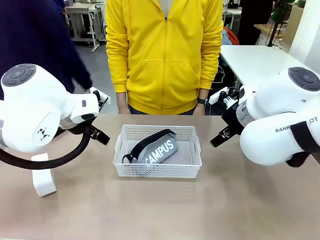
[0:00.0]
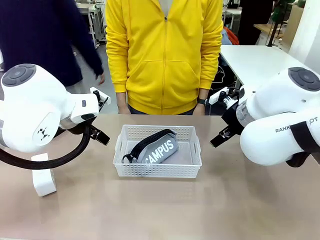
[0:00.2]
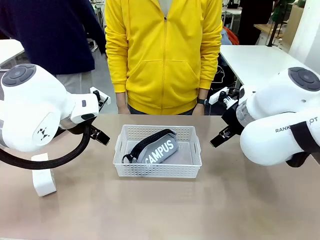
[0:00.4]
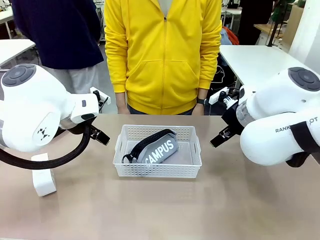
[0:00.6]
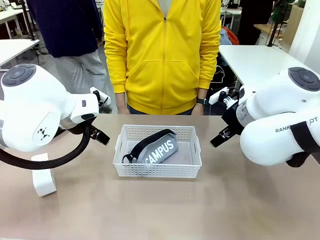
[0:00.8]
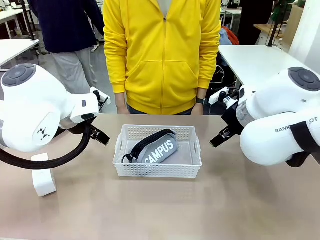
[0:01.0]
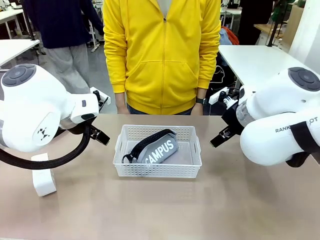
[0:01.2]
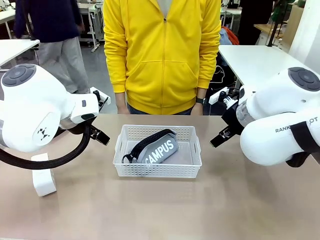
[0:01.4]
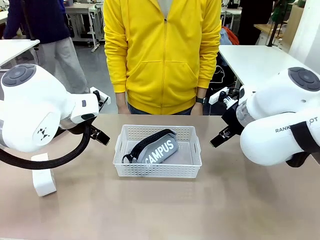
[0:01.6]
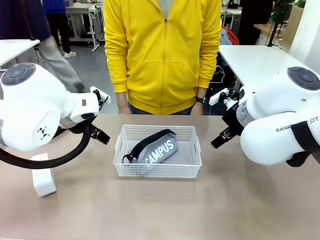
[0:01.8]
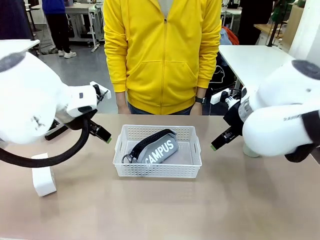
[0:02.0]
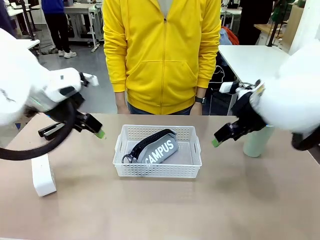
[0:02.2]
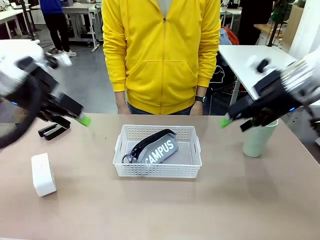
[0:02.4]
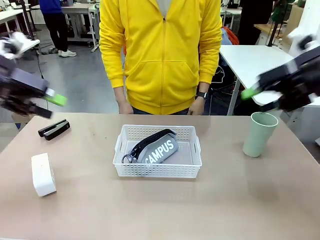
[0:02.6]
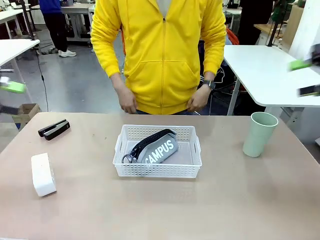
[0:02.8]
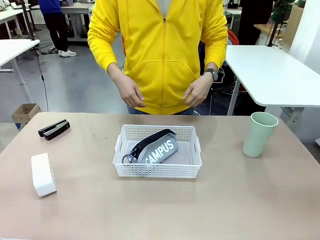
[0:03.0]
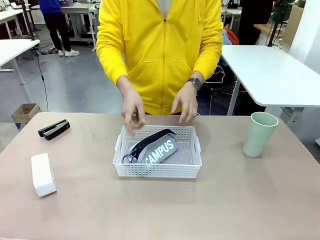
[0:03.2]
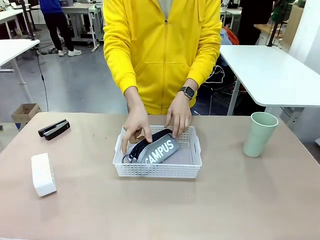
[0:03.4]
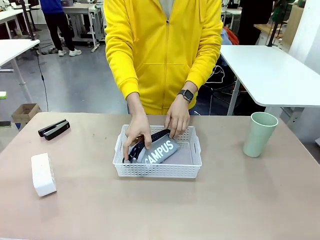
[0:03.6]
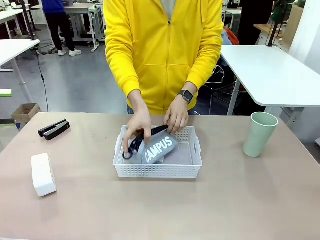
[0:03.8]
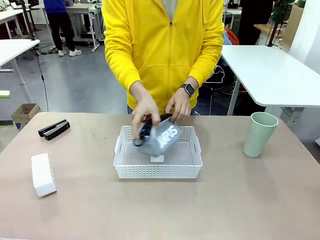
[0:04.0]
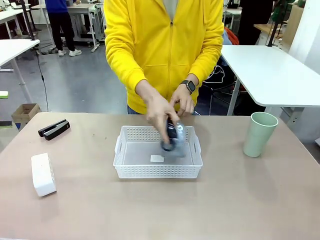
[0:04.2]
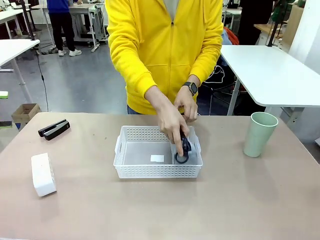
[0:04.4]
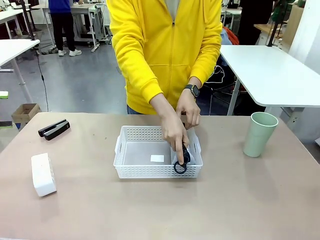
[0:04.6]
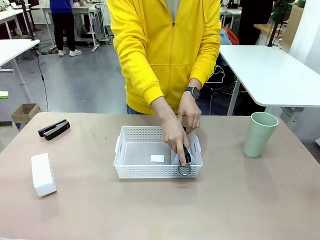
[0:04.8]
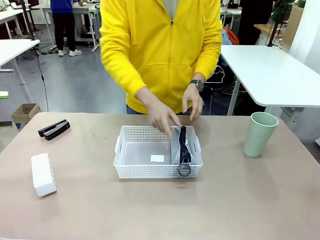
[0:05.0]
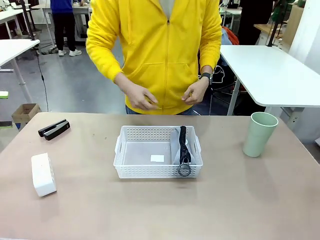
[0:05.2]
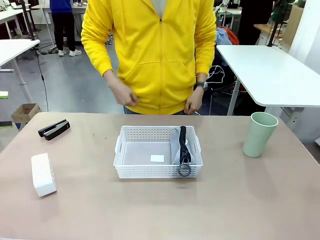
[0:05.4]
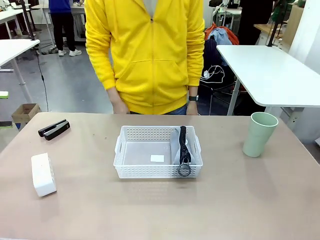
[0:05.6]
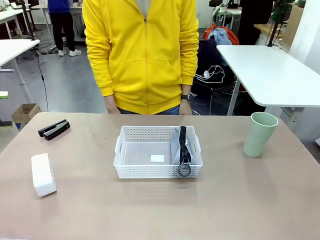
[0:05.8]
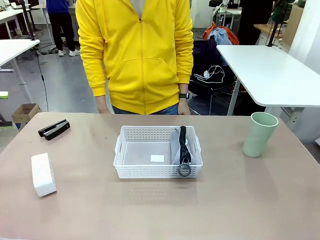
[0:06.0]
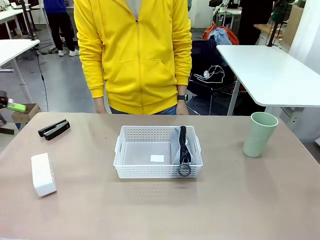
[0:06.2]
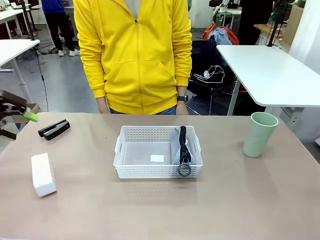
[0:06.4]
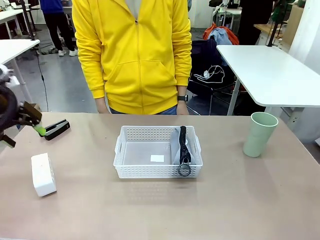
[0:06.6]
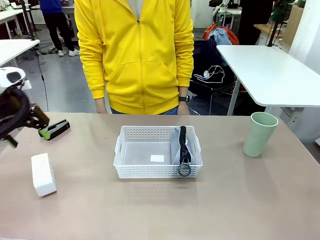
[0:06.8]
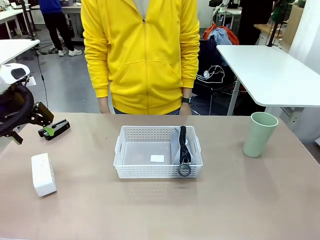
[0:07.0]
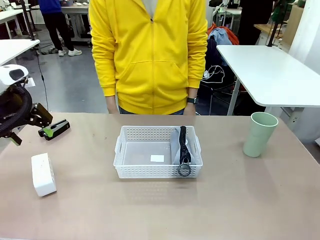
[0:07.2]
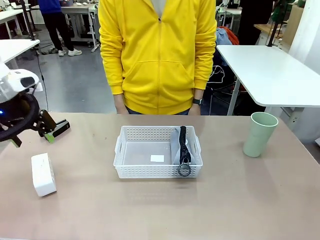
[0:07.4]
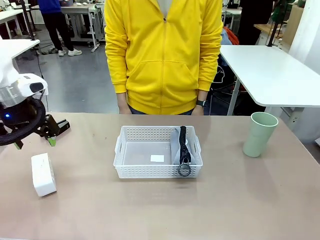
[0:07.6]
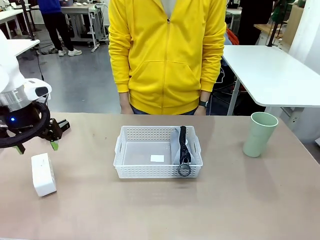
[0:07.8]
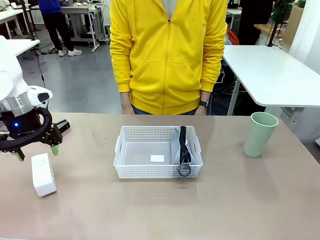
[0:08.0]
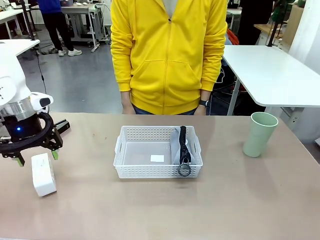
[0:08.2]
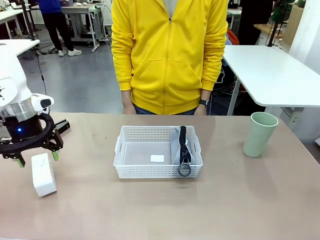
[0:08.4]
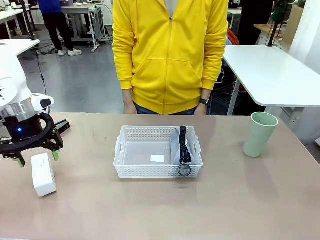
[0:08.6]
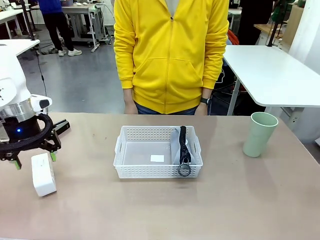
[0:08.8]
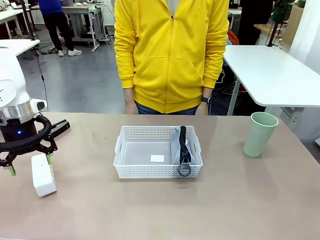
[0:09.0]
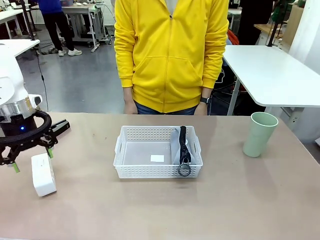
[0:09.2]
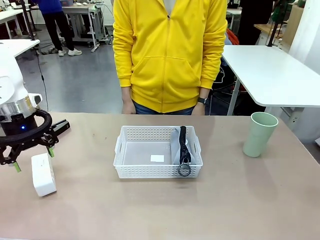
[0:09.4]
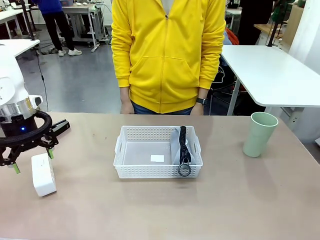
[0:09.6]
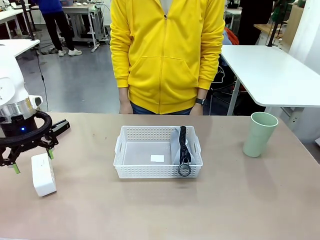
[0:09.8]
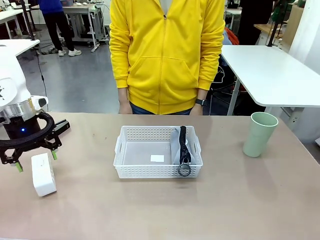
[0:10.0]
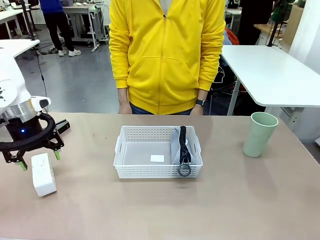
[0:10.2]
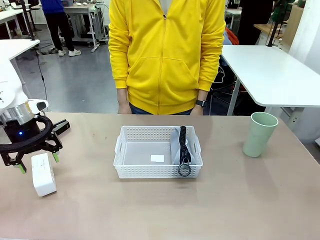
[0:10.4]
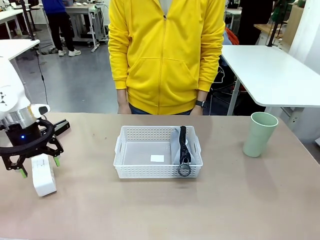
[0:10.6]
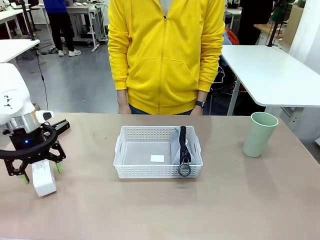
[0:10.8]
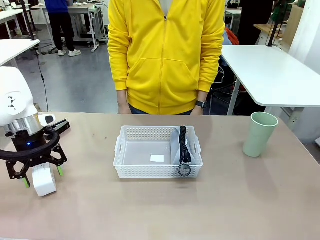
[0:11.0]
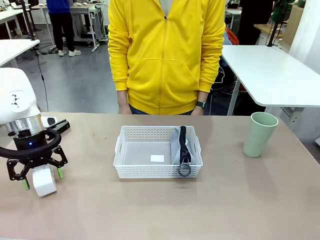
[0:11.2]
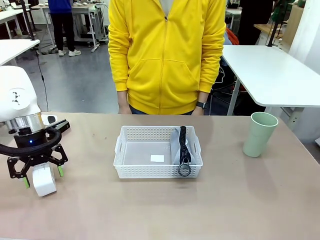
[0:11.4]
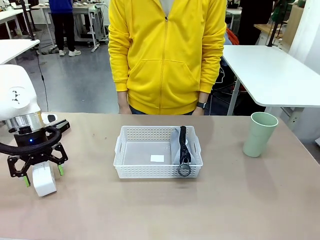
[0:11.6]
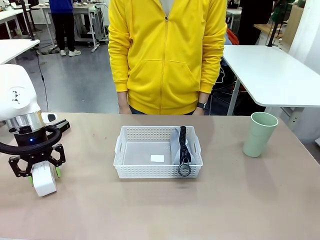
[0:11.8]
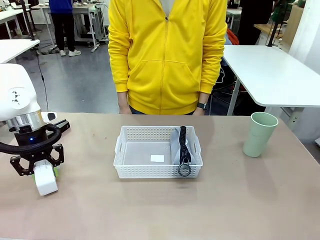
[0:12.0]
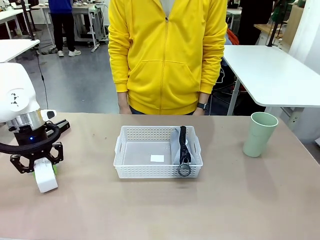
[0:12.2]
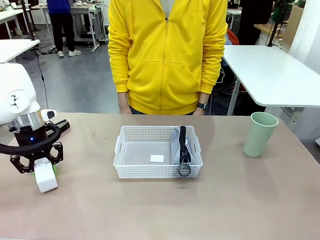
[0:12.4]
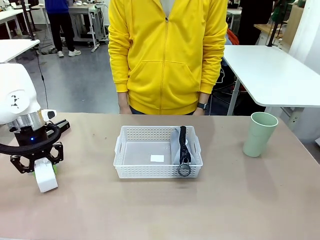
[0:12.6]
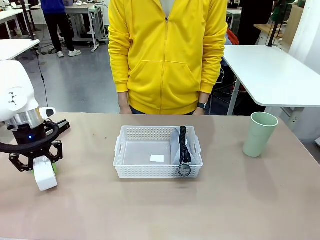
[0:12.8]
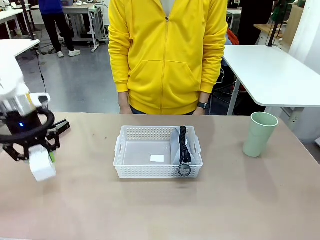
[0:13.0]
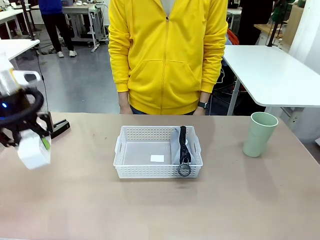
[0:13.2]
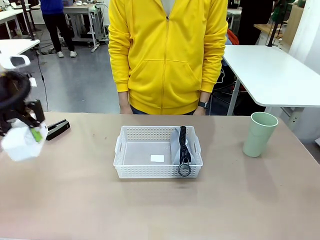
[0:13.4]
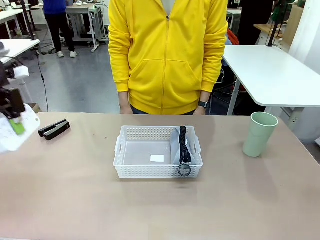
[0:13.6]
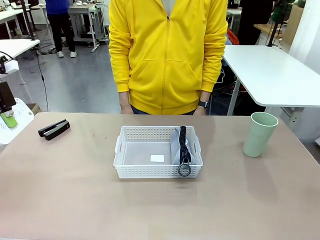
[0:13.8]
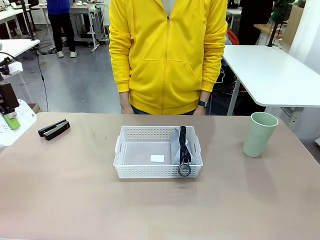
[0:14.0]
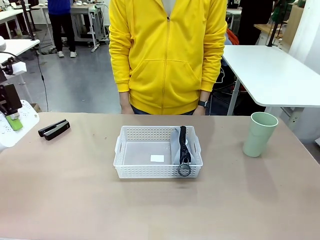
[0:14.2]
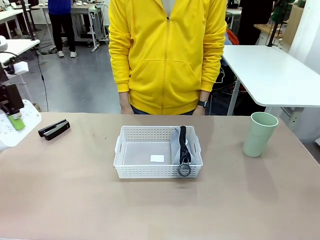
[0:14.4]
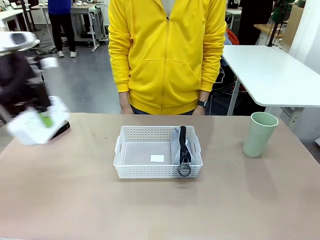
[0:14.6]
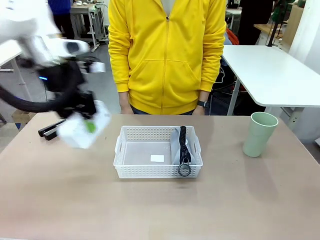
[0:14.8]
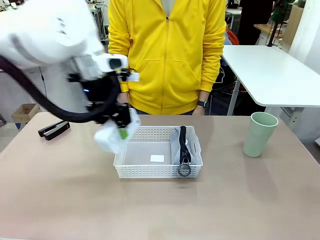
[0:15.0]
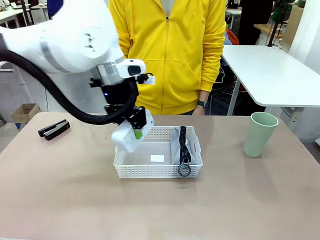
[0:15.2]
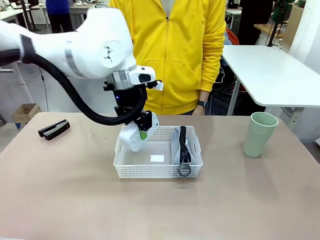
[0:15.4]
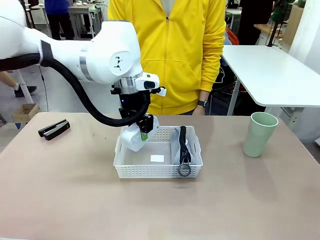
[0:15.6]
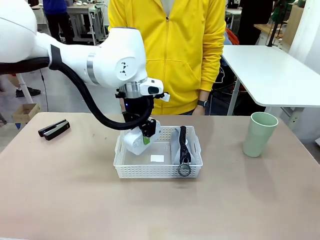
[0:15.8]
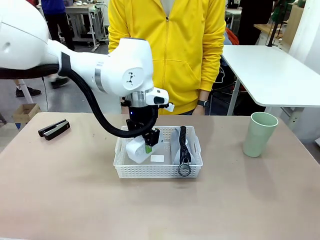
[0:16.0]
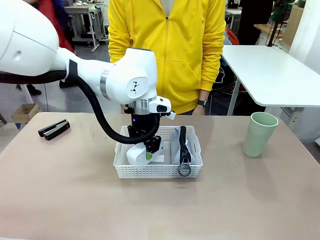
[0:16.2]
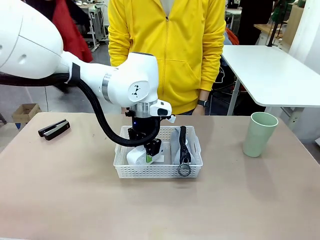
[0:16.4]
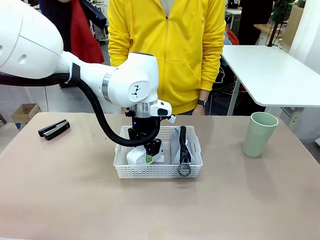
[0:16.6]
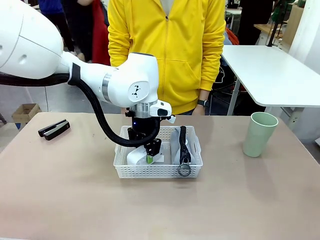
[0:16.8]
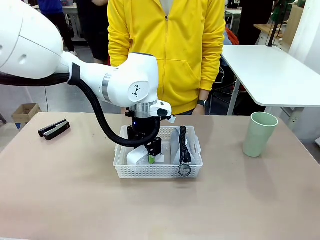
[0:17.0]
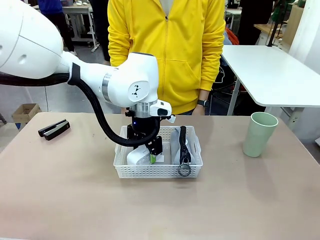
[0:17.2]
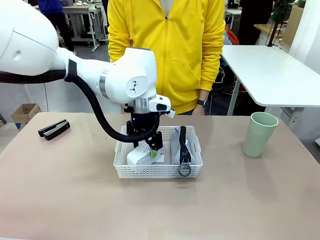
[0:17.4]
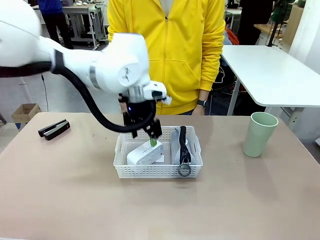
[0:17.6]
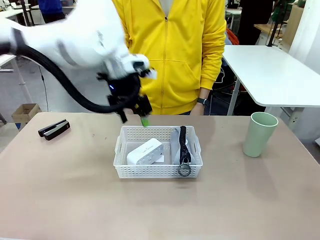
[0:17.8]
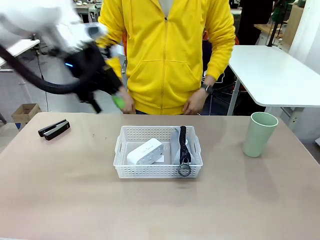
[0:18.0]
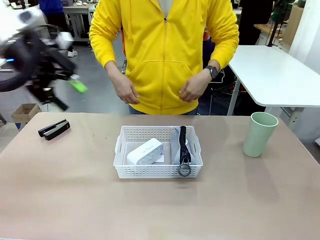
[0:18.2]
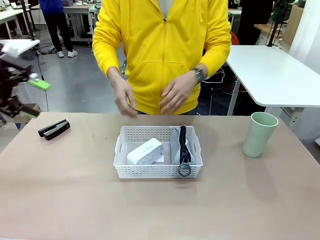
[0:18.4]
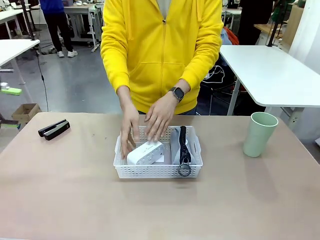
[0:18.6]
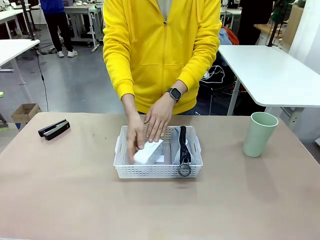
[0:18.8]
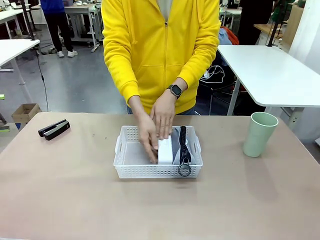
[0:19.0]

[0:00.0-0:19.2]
Task: Efficiently arrange items inside the basket to fit them all.
Robot: Pick up the Digital clock and place it inside the Organizing basket.
Person: Repositions the pencil case. Repositions the digital clock.
